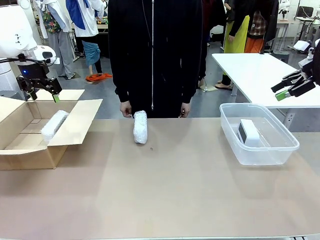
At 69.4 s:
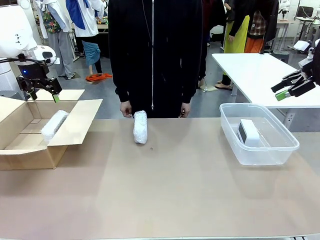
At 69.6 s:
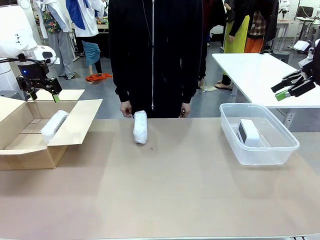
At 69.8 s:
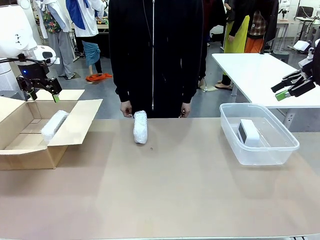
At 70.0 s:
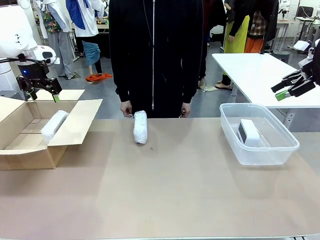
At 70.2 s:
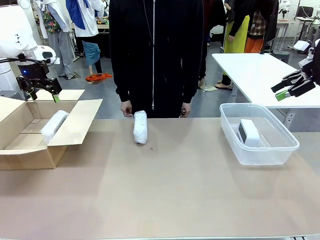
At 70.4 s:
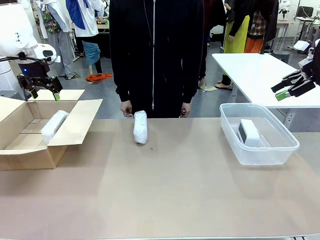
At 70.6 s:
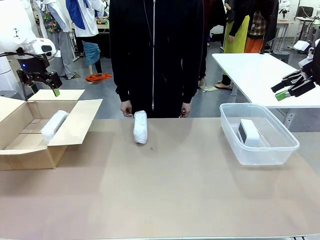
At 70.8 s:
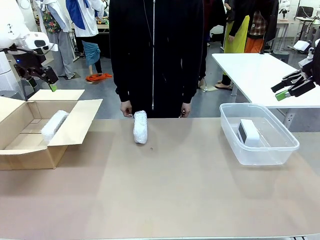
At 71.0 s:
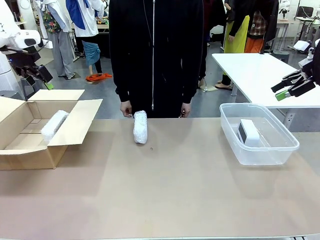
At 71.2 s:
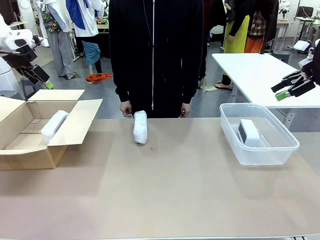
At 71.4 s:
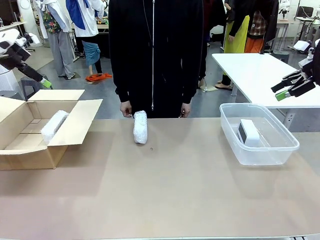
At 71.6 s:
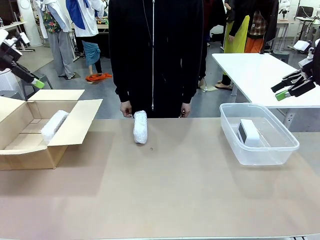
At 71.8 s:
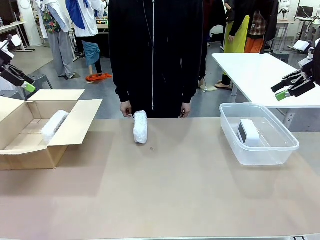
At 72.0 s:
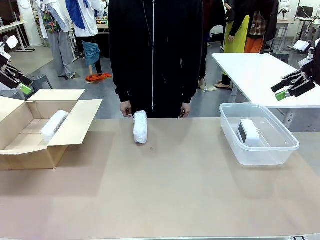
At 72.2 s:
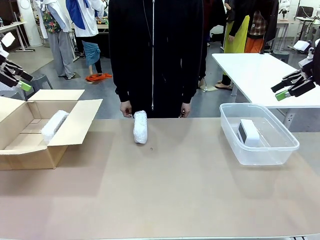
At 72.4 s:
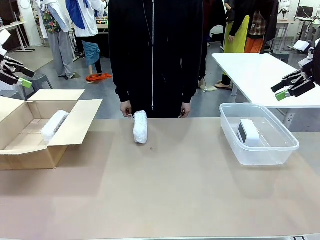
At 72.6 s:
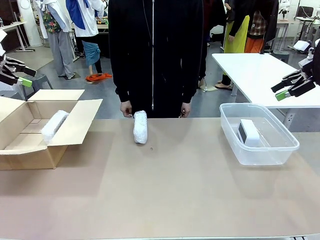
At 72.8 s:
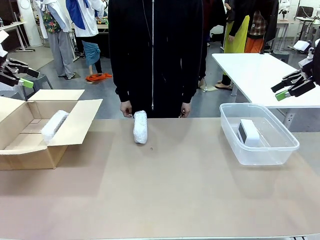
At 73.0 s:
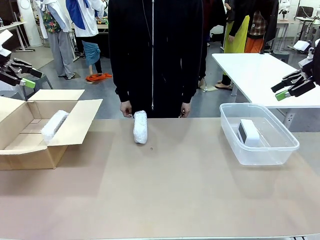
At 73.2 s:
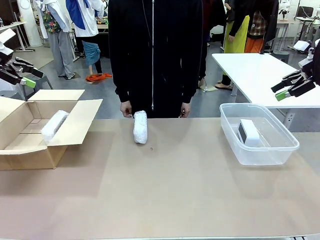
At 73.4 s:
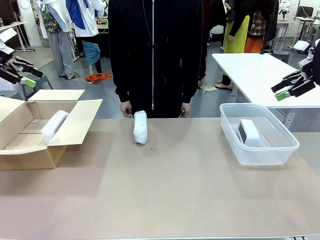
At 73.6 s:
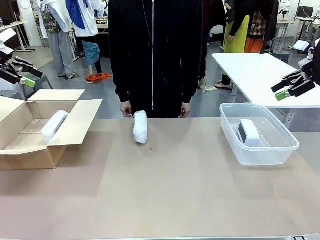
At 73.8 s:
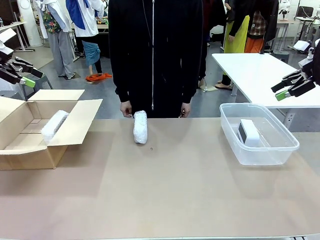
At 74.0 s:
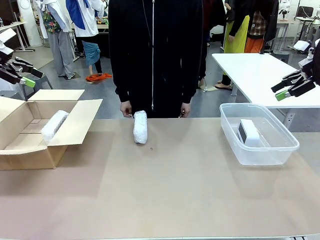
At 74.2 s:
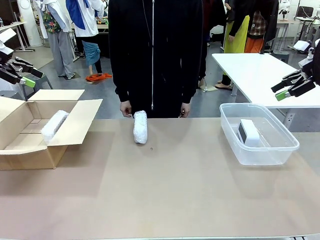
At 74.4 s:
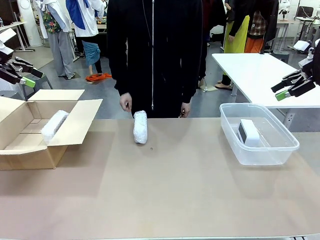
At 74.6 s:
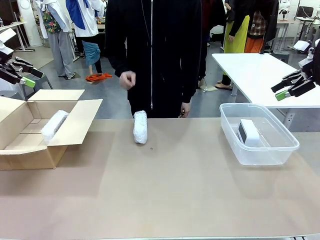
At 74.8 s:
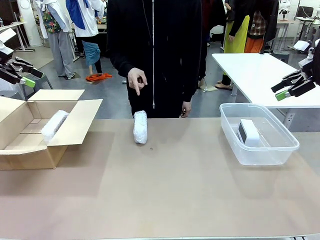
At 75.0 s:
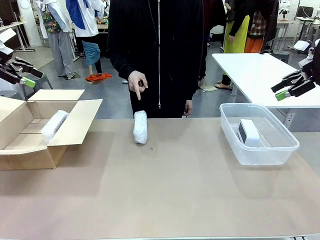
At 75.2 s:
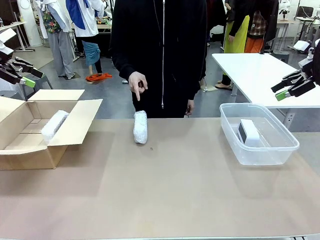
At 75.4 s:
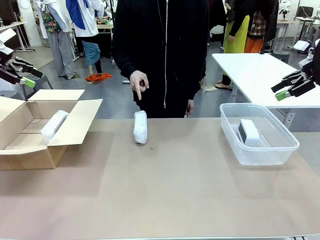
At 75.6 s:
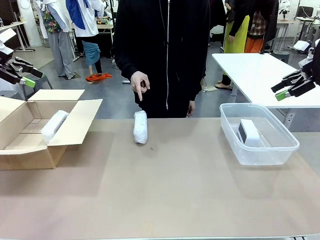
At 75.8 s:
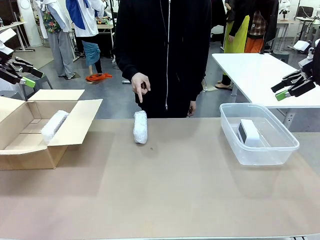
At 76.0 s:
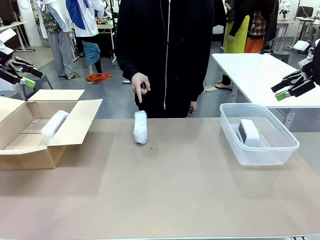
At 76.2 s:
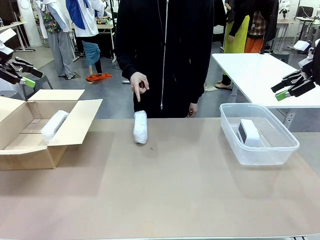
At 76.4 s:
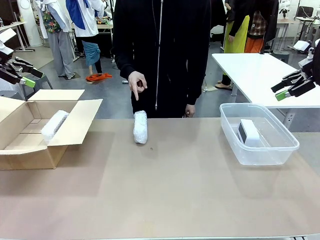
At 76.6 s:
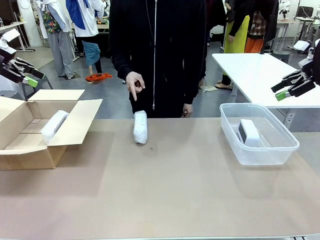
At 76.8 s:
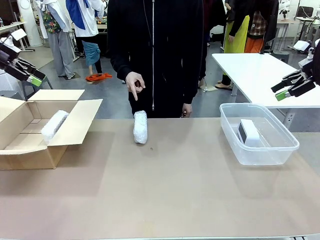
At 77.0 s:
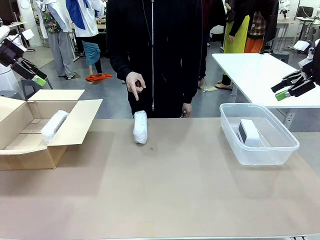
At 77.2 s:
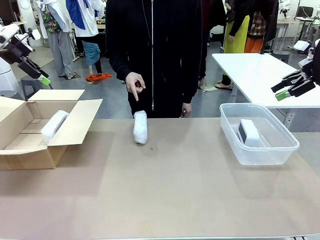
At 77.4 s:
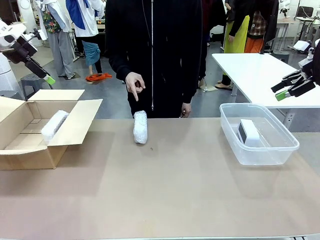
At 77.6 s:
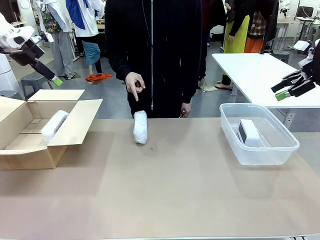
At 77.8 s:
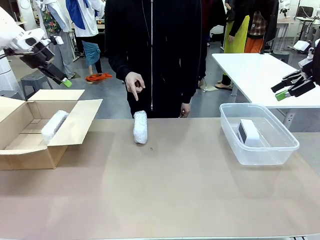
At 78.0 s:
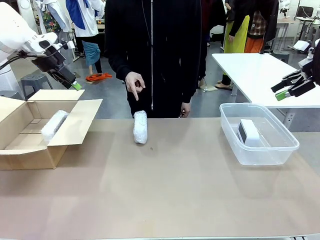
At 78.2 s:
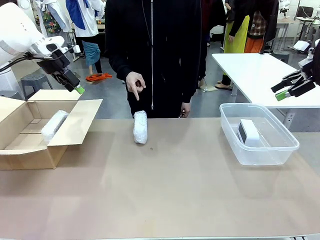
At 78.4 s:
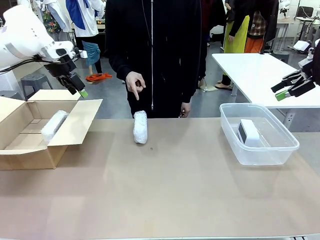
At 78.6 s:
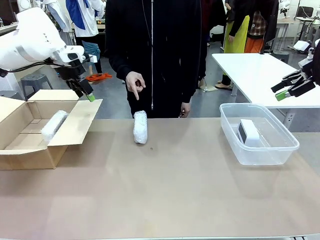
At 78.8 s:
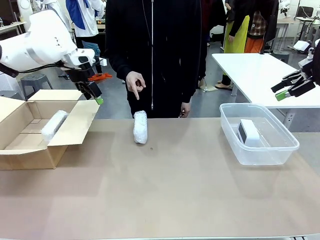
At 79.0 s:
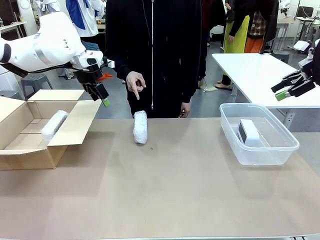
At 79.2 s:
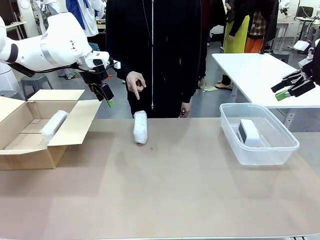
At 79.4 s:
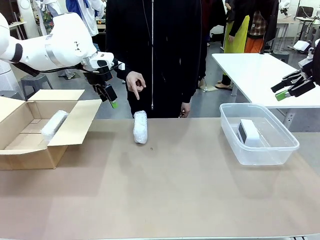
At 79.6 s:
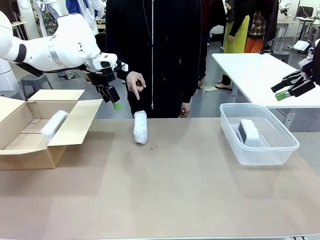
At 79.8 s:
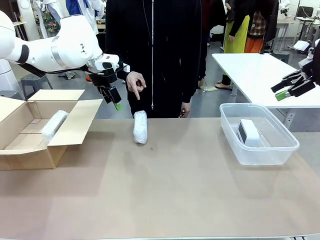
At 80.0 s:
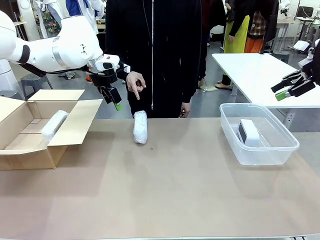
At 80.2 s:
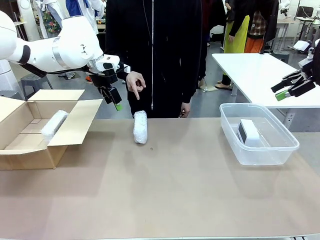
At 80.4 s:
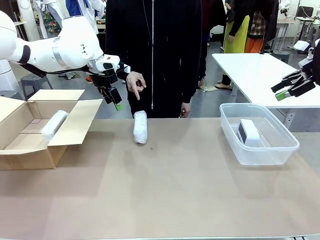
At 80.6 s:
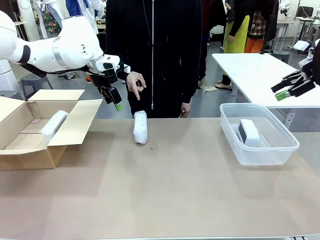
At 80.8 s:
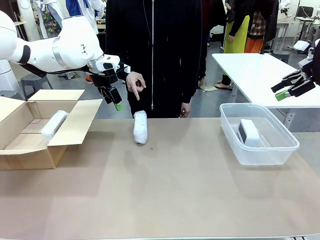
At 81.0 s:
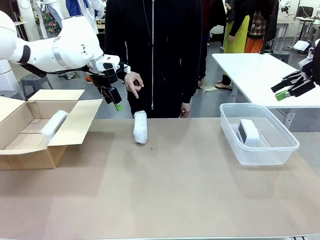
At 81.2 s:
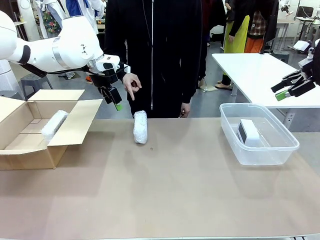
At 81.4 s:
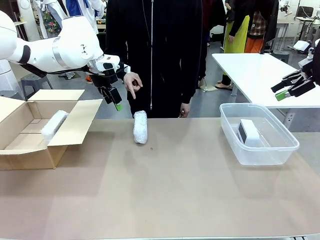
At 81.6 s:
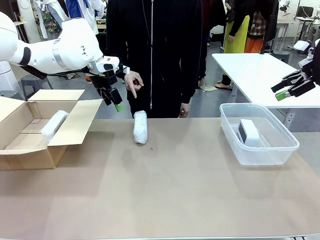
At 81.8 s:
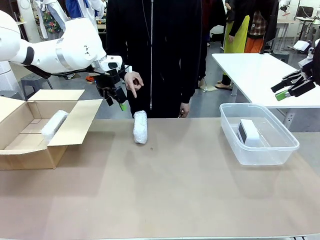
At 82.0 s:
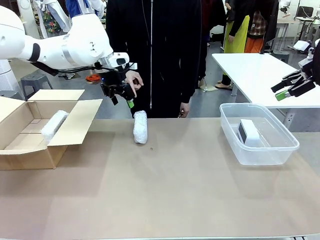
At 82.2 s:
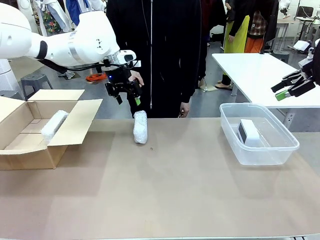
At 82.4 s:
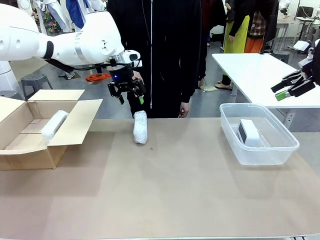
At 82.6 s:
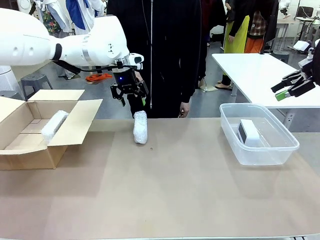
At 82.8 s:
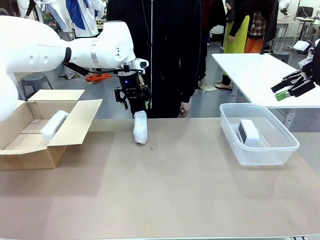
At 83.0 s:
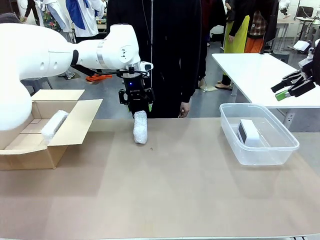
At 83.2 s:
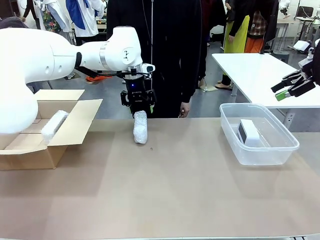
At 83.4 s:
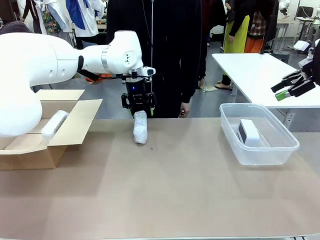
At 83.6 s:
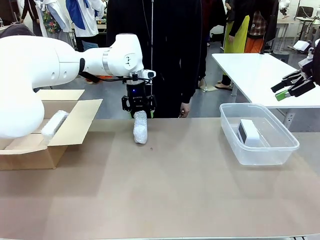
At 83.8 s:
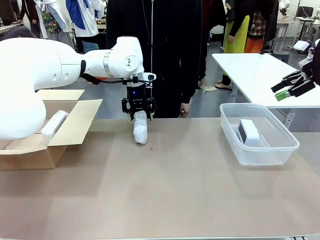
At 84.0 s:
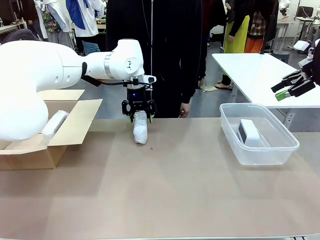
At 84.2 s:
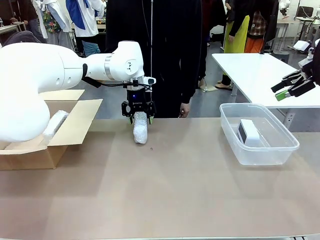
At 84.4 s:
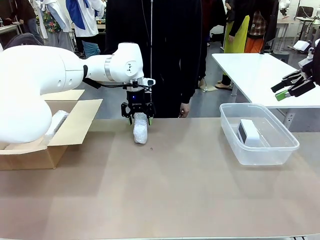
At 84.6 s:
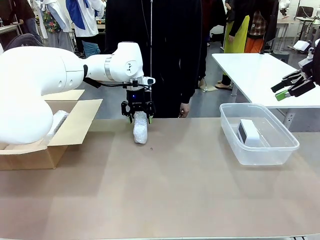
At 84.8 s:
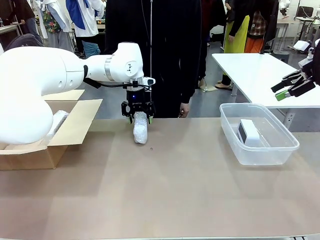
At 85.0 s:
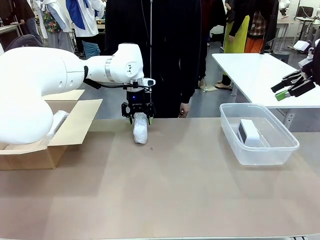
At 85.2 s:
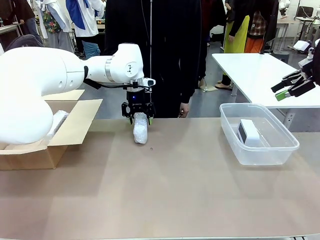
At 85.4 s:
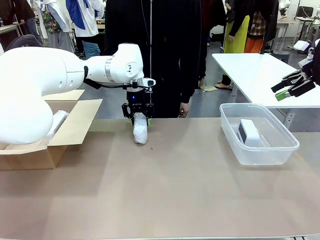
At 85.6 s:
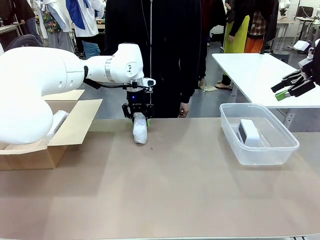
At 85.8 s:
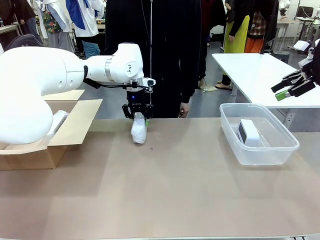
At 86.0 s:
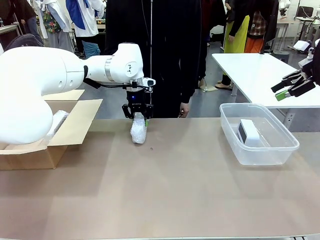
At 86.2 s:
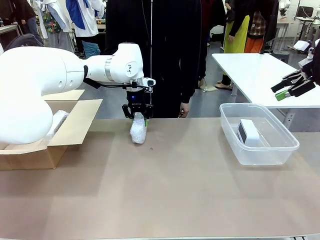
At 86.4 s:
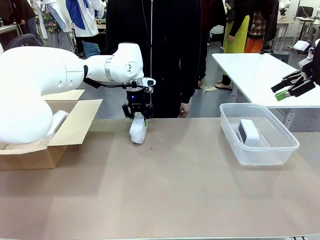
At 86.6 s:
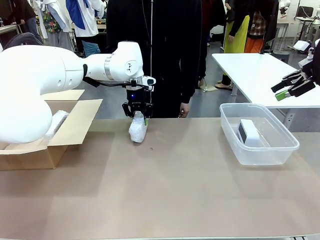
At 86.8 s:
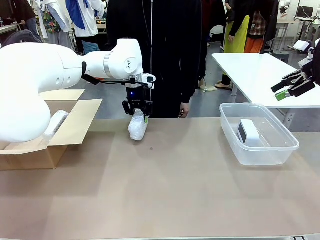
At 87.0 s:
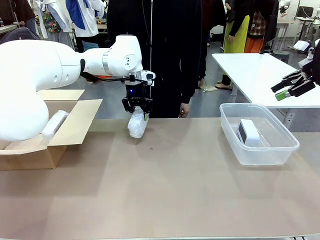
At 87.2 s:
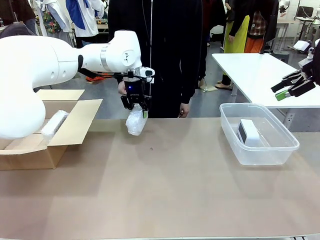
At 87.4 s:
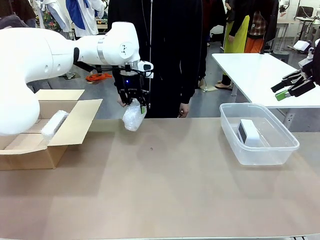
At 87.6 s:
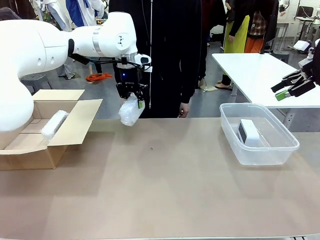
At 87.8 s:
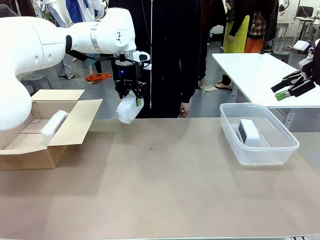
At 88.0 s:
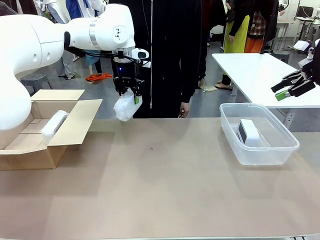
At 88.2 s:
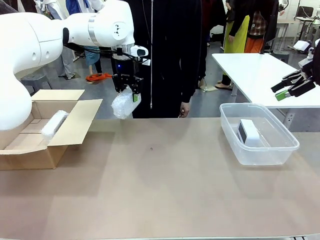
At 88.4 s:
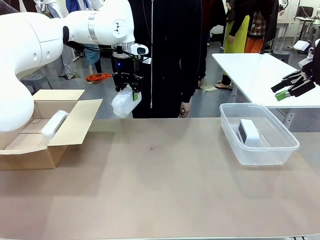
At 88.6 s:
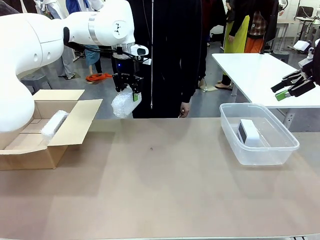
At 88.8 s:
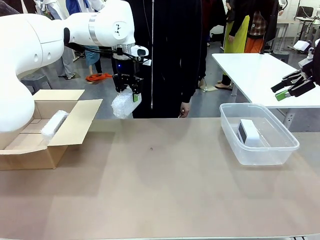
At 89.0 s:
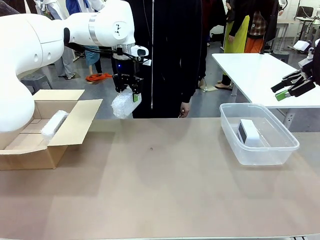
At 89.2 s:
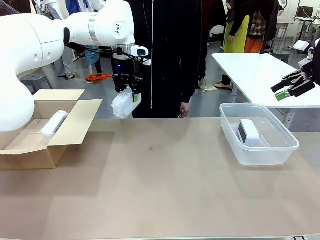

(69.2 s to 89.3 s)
Task: Separate and place wrapped and unwrapped clocks.
Robot: Pick up the Digital clock indicated by the person.
